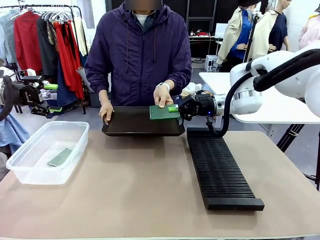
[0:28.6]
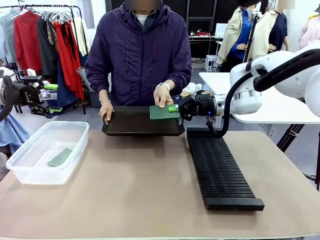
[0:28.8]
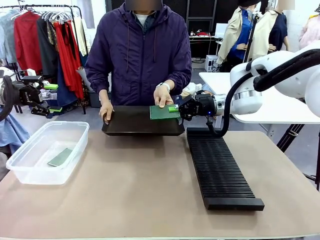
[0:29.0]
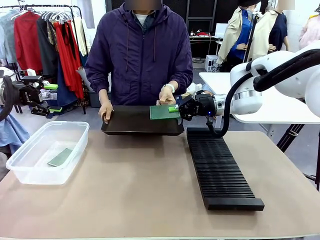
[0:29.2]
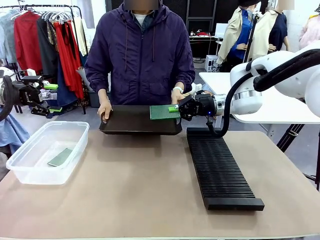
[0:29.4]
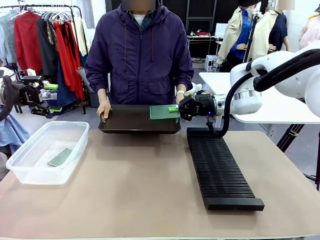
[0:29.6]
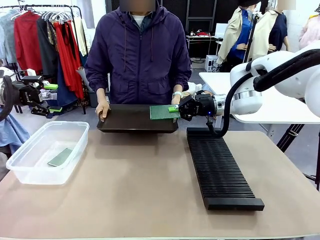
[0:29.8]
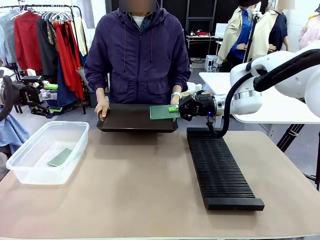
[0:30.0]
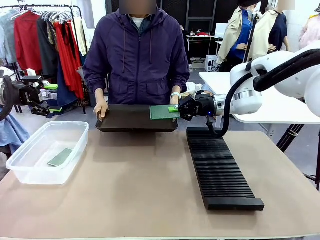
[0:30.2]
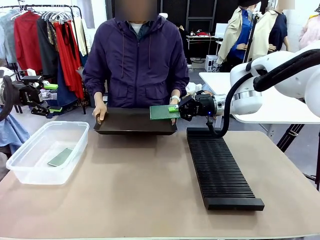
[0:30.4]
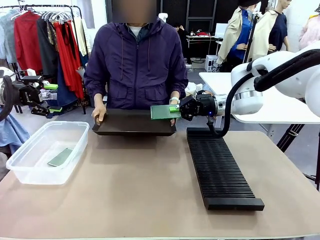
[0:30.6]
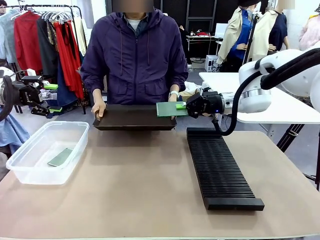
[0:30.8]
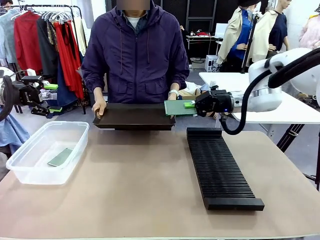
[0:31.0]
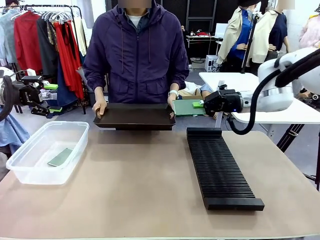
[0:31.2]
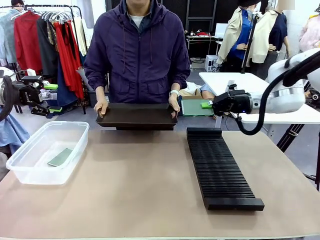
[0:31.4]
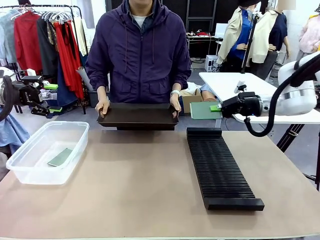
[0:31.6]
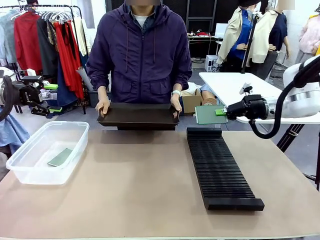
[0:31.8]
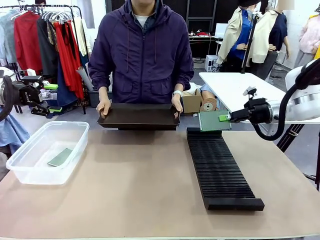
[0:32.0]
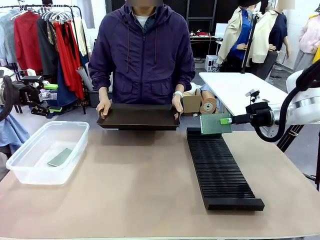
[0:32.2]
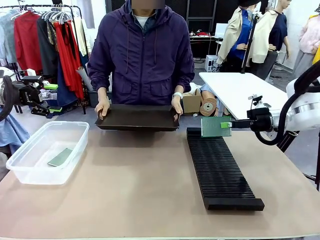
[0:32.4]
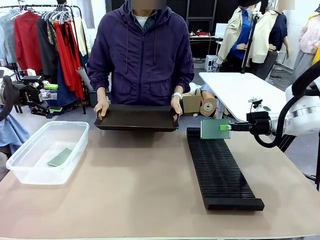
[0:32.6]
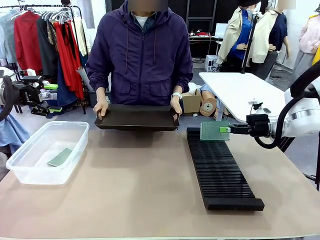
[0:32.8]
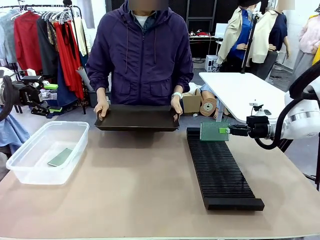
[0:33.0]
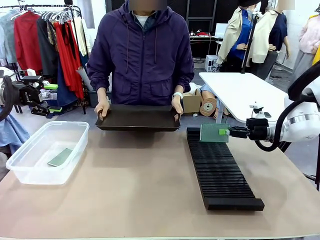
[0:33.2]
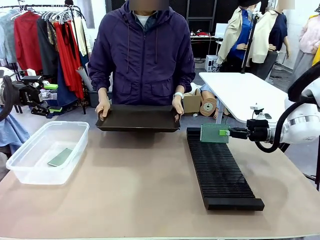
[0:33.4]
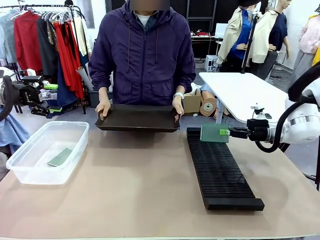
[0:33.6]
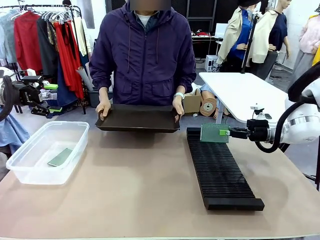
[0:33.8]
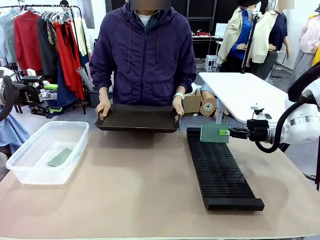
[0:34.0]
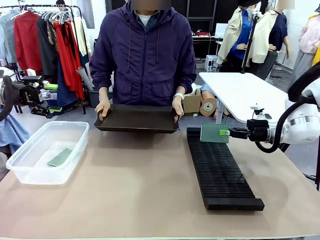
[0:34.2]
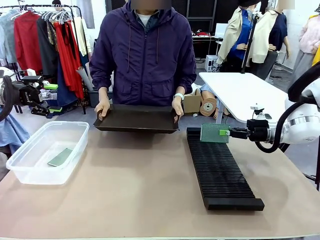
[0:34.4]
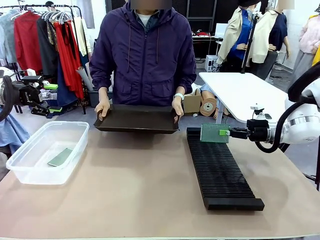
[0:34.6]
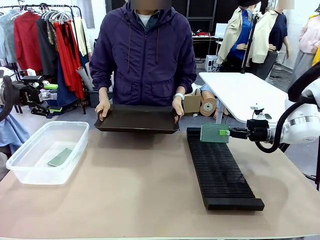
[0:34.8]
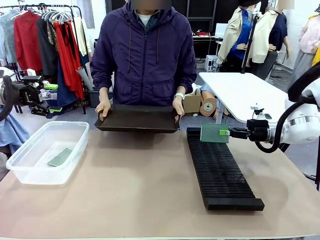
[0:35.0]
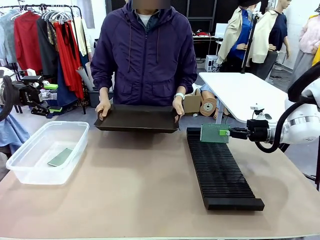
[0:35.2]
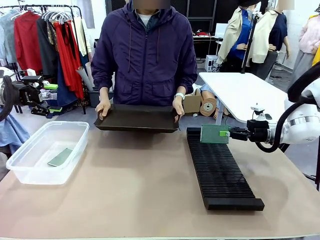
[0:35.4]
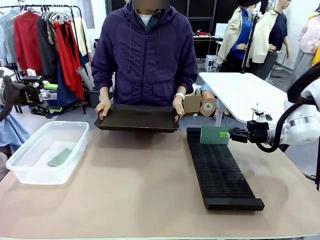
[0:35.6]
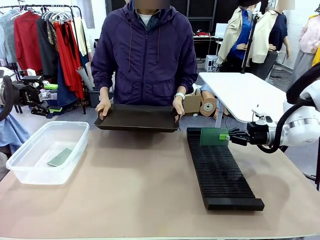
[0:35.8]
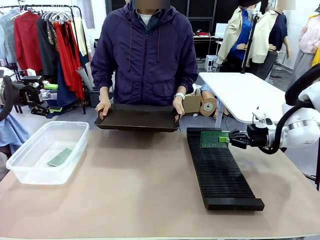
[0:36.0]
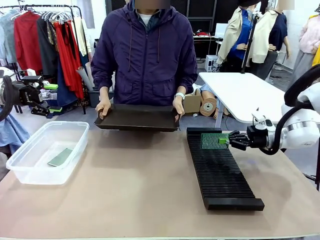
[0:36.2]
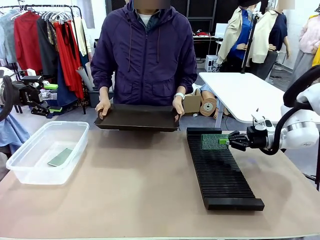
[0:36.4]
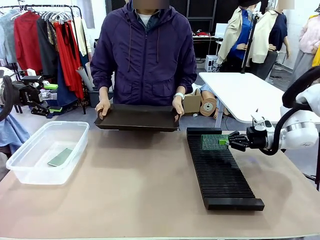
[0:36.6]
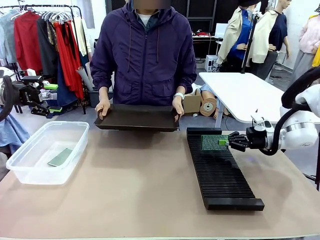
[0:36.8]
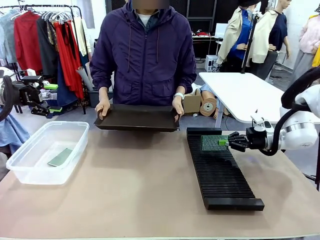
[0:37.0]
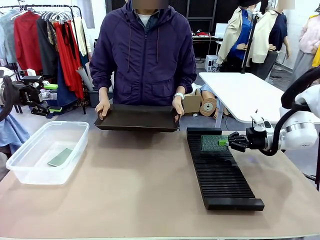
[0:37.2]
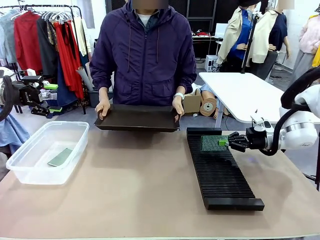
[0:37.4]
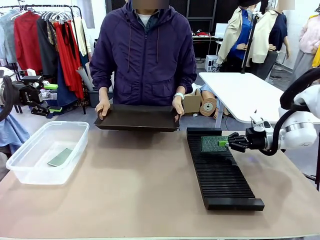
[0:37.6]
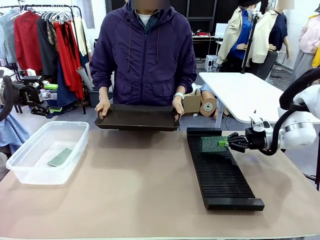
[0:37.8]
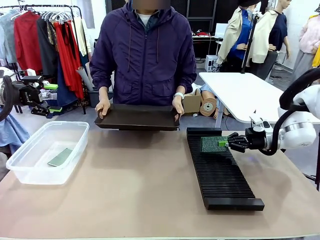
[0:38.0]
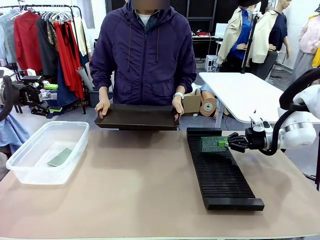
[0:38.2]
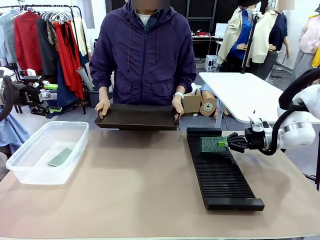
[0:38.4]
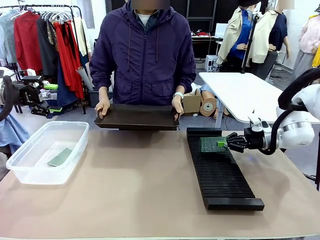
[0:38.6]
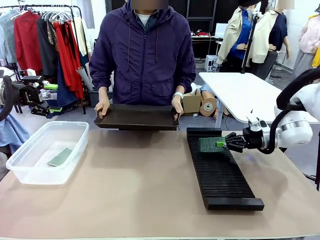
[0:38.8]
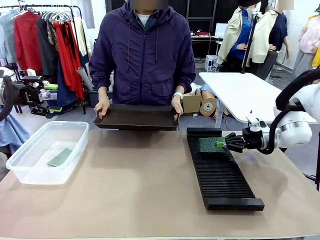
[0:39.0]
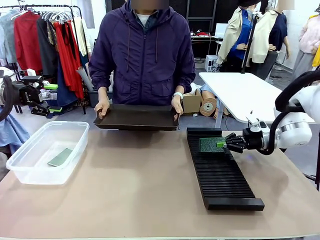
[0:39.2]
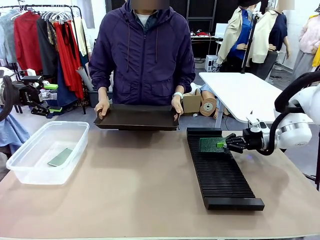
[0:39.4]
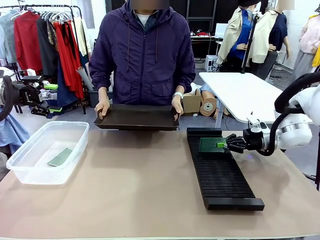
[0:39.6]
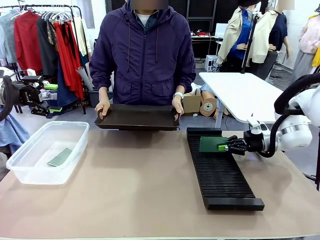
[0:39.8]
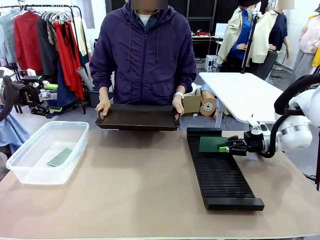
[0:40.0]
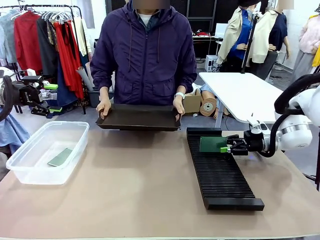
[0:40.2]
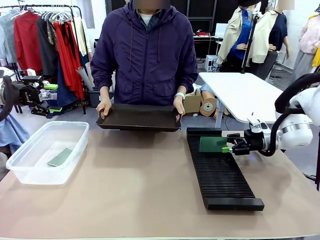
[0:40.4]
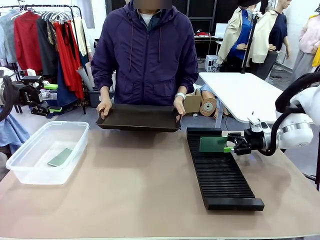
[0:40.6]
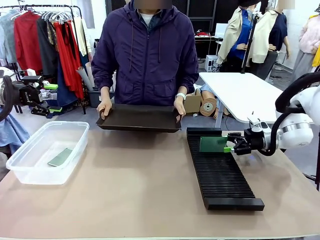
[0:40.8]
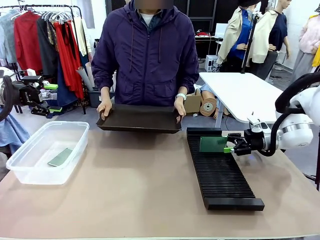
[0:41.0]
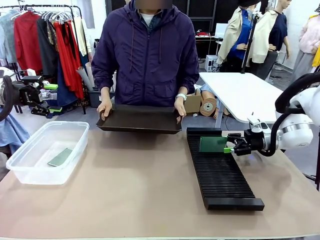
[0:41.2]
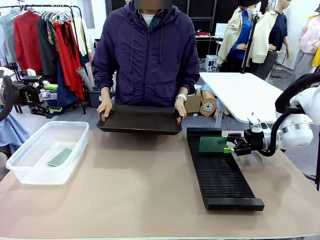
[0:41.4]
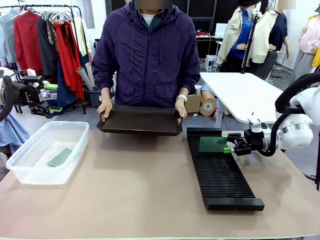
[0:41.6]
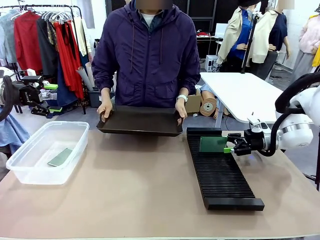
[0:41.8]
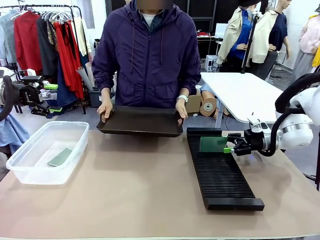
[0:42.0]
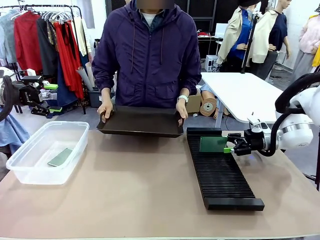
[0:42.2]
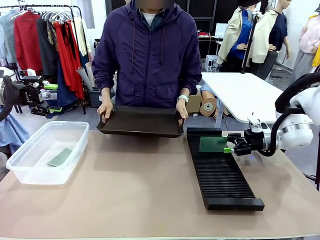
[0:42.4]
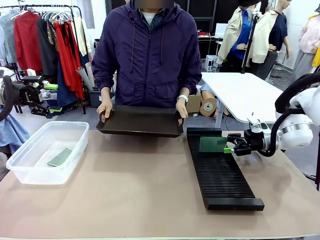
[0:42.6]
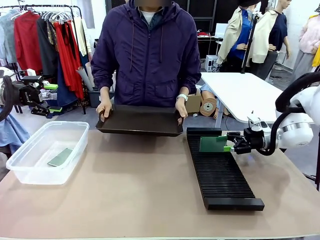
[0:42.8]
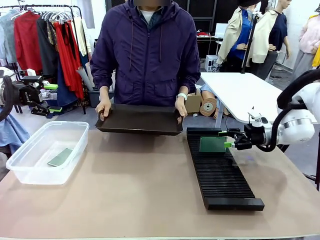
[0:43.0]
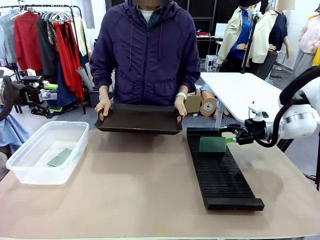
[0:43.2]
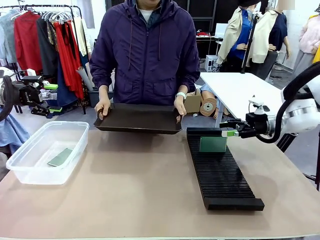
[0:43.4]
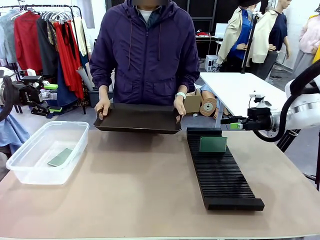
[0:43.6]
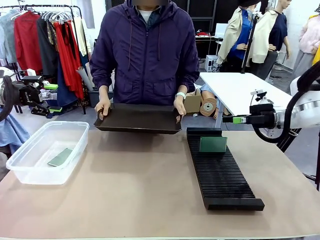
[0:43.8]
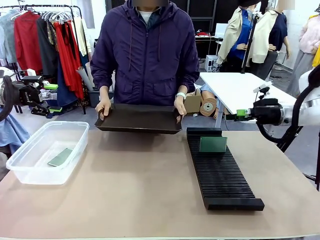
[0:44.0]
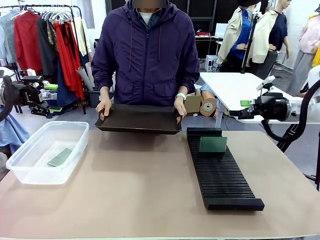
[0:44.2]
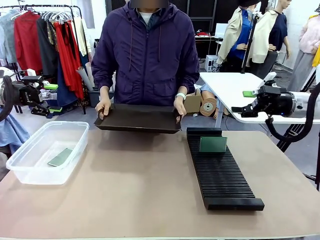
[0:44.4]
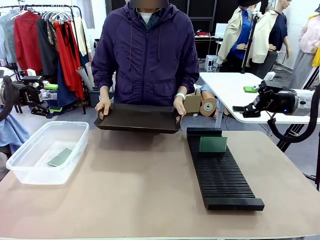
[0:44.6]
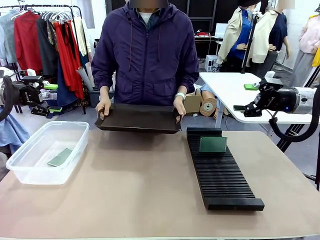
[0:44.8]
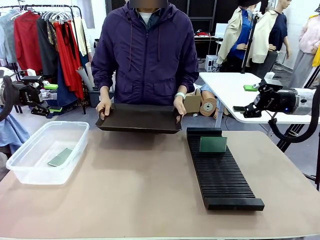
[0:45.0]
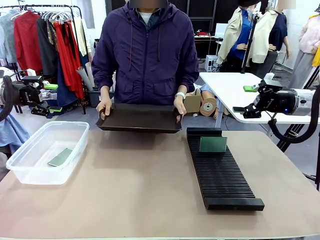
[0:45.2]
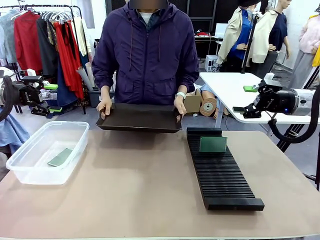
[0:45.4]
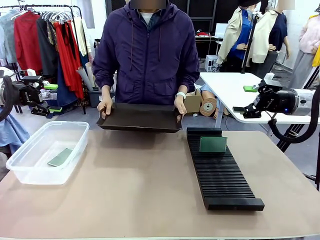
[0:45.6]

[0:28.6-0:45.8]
Task: Sort PCBs into racks and boxes based on the side picked up.
Robot: If the short side of the Blank PCB is picked up, insert it into the PCB Rack ; if the long side is picked up, place it in the Organizing box.
Person: Release the PCB being held.
